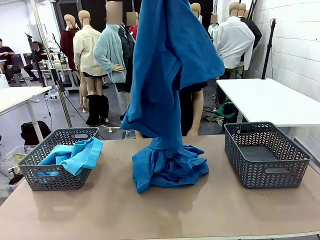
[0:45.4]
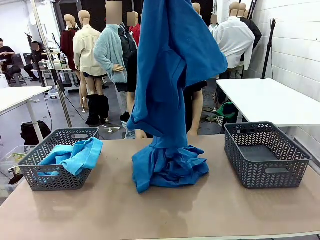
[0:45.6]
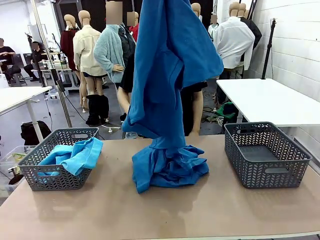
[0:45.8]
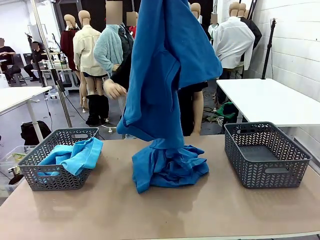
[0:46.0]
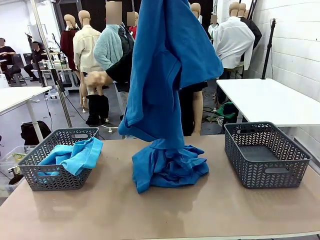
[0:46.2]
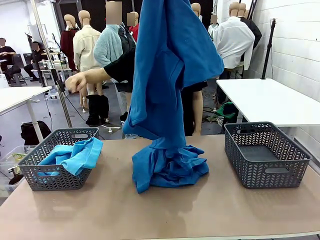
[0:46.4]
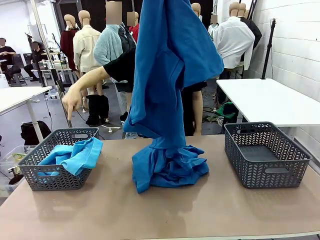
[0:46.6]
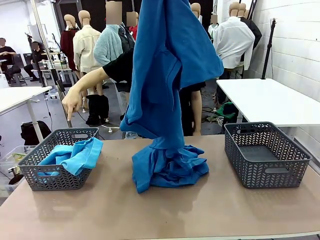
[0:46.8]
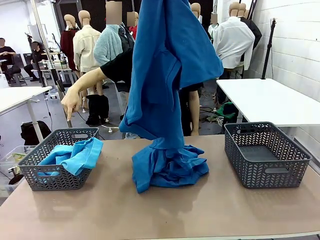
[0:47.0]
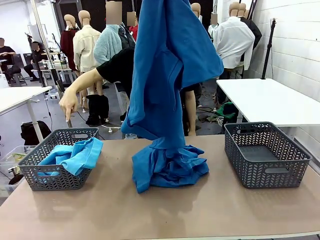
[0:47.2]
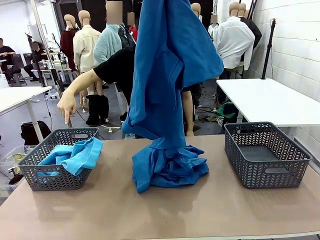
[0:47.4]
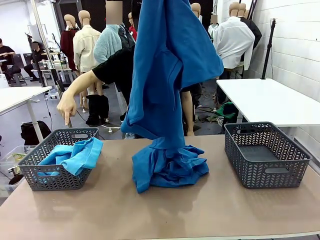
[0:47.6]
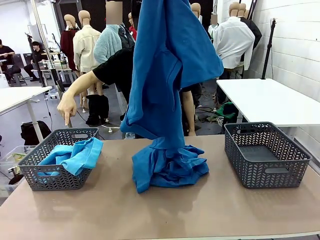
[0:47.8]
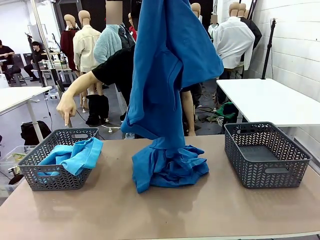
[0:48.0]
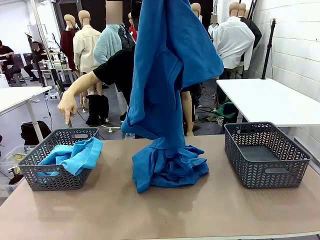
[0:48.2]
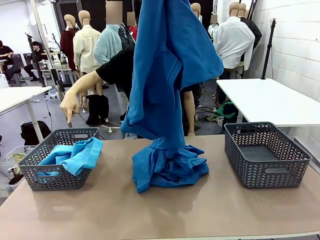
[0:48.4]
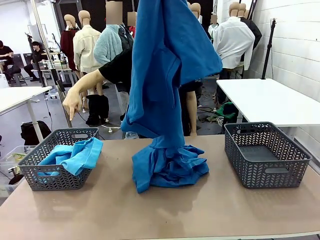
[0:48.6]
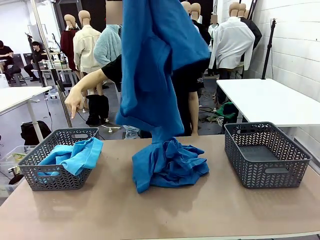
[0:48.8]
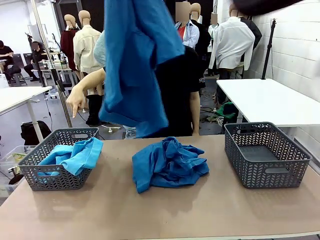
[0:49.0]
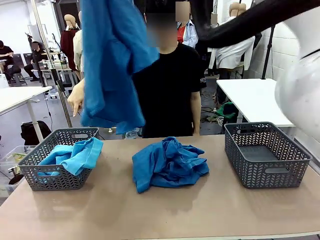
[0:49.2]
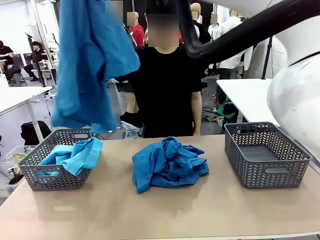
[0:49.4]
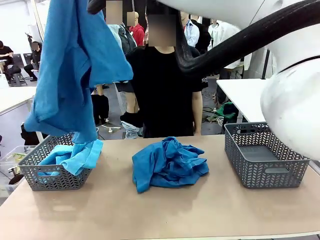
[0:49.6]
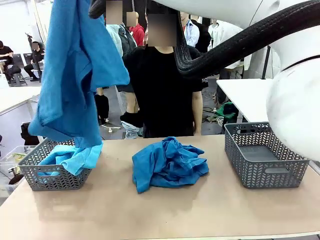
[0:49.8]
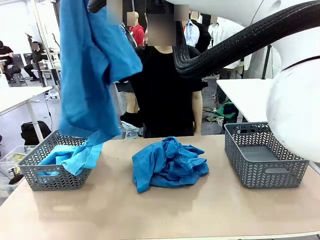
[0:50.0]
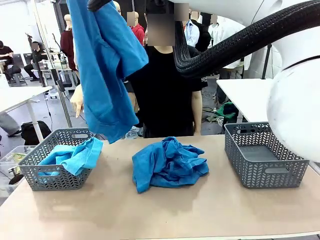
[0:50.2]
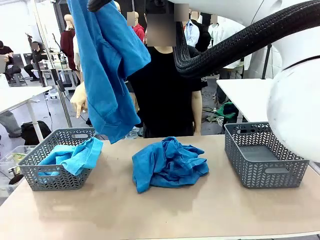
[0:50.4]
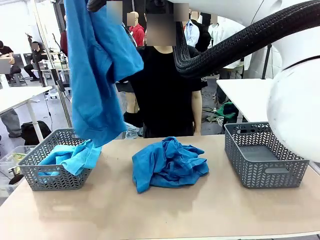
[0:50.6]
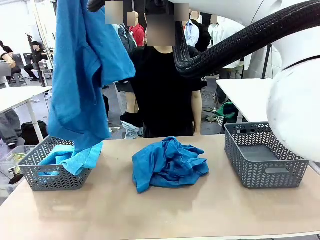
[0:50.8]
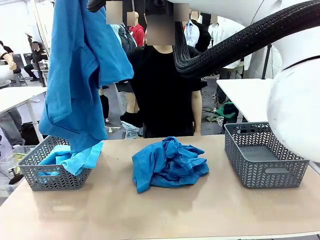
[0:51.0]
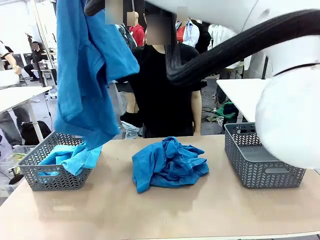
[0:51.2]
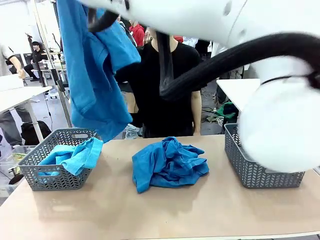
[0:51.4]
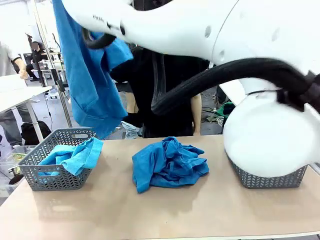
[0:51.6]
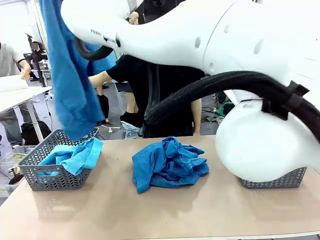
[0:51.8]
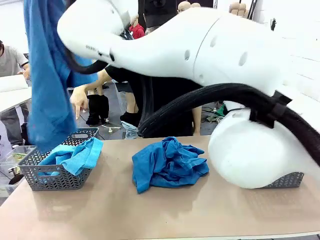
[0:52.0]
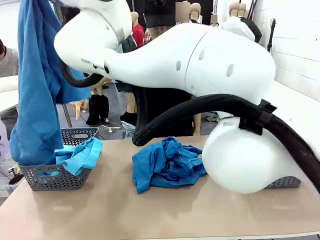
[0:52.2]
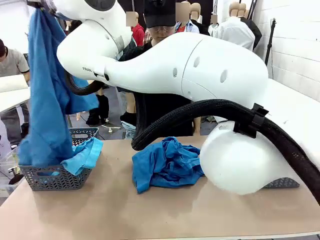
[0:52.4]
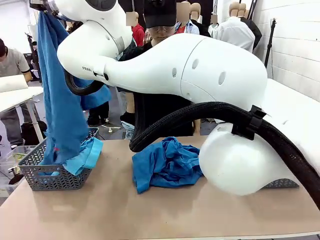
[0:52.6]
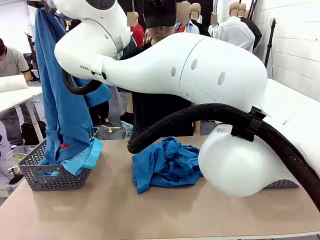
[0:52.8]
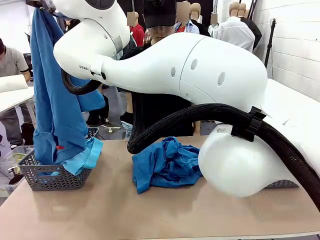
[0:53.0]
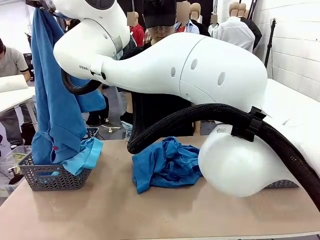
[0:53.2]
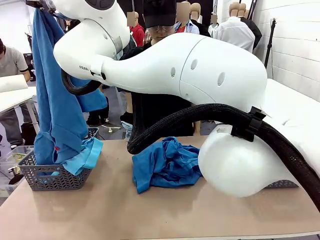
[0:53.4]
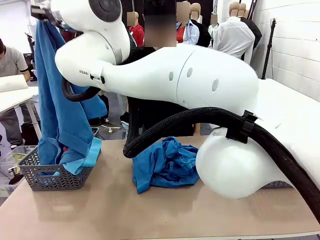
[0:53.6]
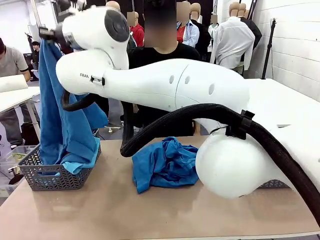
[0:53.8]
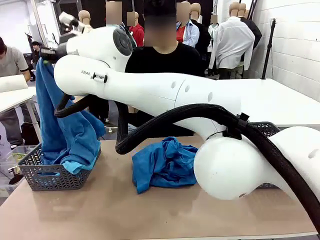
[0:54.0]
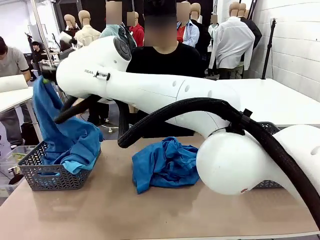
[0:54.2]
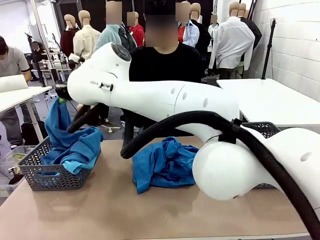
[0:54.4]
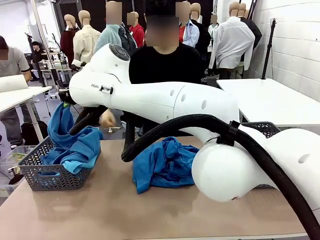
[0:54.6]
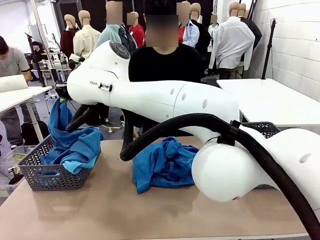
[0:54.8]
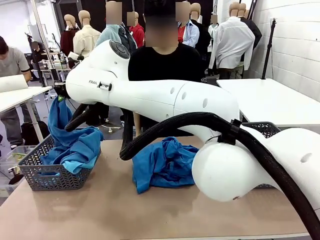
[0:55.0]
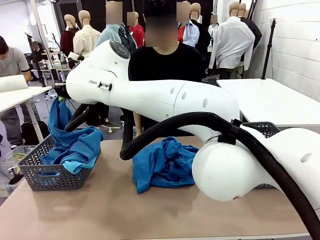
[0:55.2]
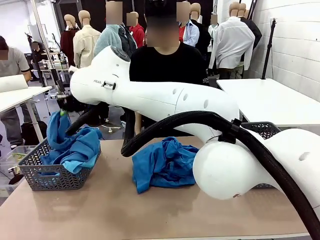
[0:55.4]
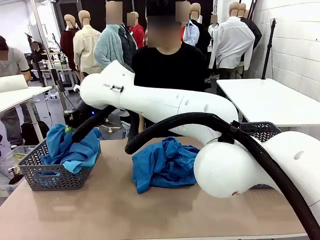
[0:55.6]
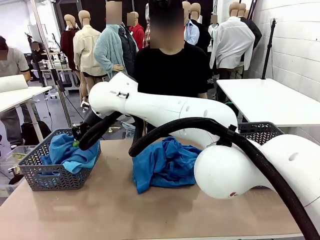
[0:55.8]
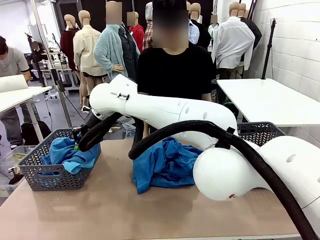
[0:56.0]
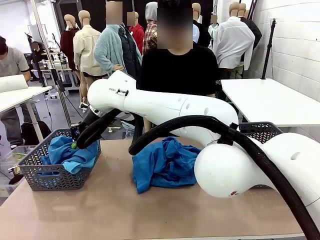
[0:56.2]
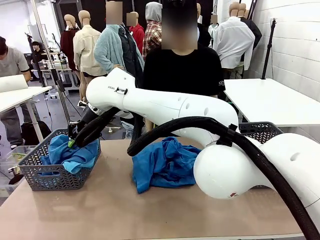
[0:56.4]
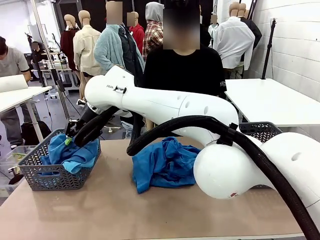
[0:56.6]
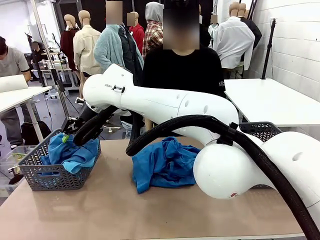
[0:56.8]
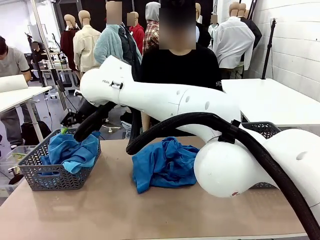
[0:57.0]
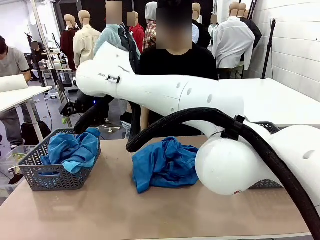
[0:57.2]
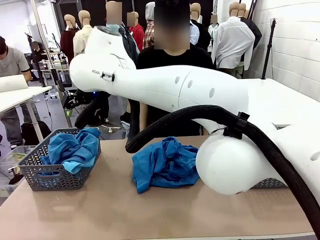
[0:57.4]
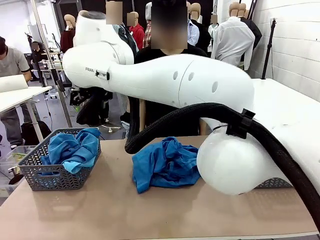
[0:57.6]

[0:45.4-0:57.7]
Task: Sort the tops and bottoms.
Robot: Sort the clothes according to human instructions.

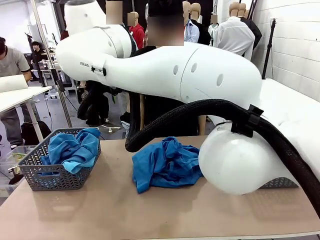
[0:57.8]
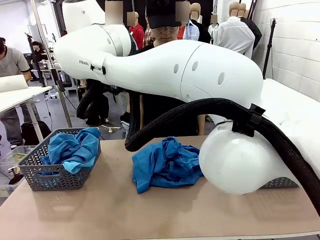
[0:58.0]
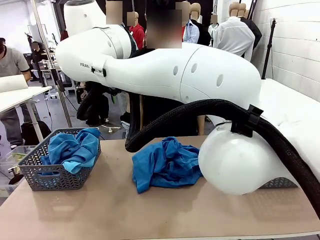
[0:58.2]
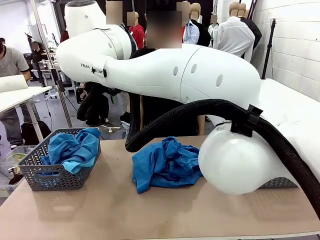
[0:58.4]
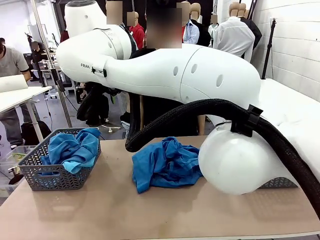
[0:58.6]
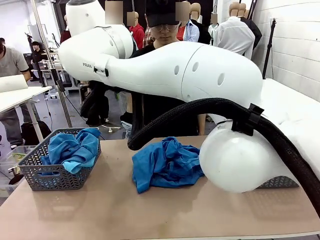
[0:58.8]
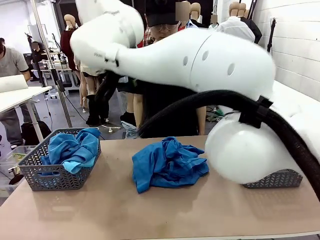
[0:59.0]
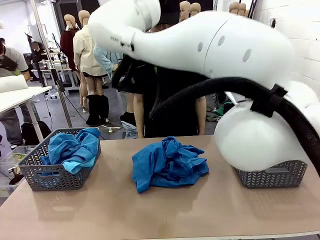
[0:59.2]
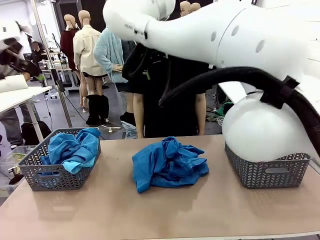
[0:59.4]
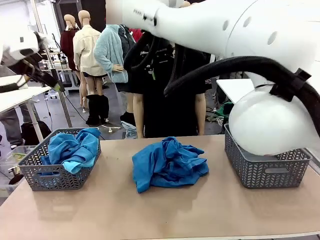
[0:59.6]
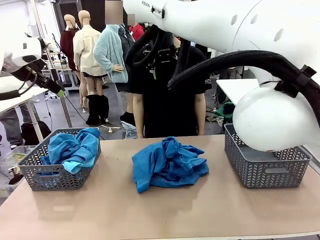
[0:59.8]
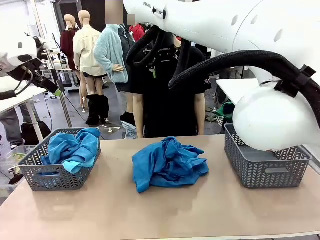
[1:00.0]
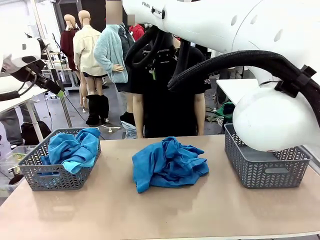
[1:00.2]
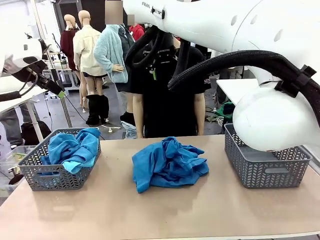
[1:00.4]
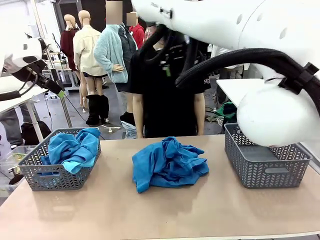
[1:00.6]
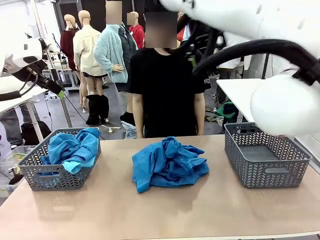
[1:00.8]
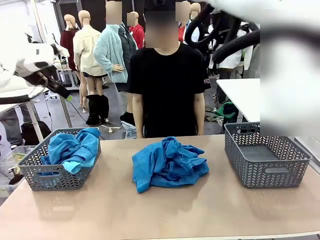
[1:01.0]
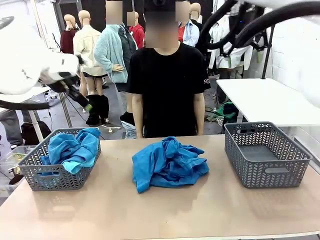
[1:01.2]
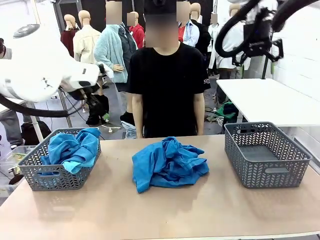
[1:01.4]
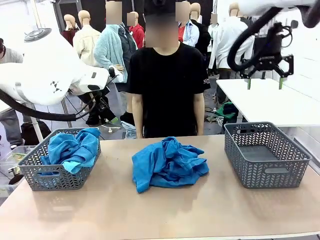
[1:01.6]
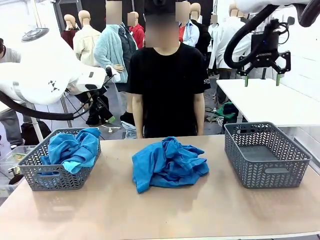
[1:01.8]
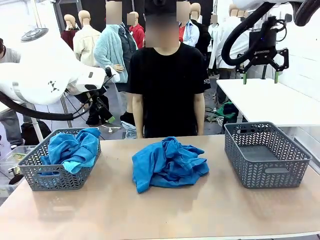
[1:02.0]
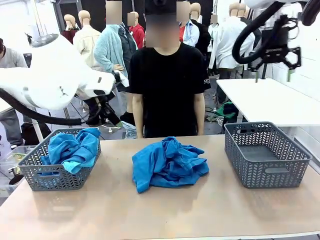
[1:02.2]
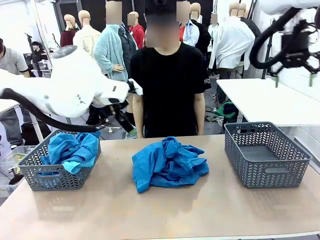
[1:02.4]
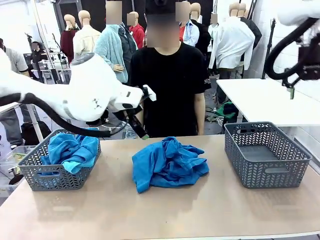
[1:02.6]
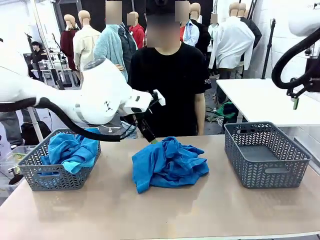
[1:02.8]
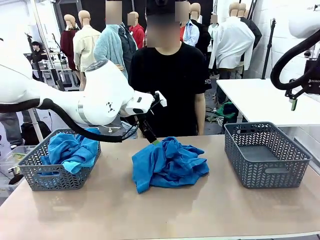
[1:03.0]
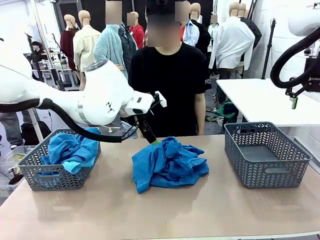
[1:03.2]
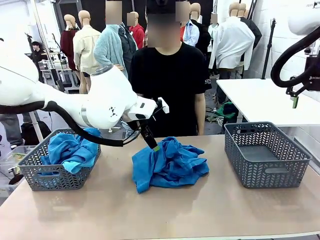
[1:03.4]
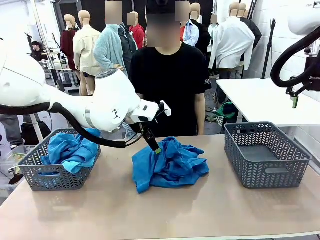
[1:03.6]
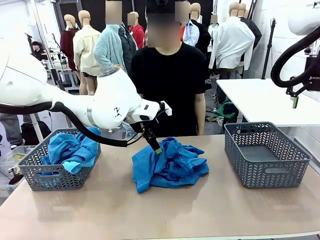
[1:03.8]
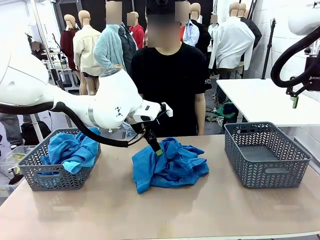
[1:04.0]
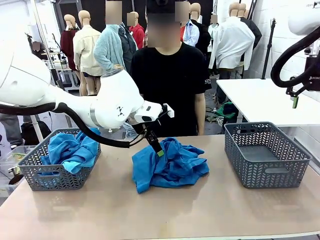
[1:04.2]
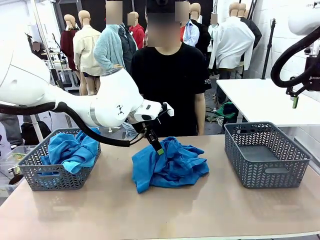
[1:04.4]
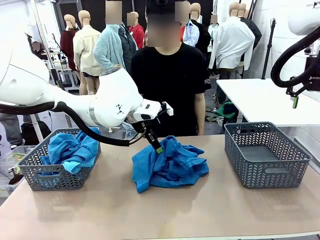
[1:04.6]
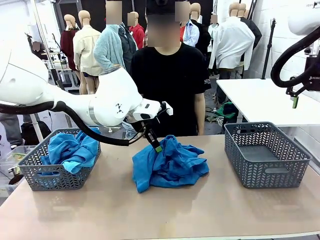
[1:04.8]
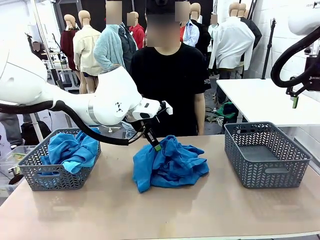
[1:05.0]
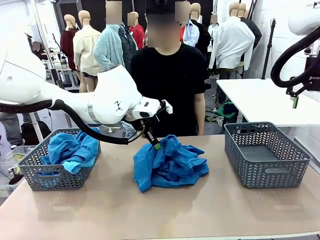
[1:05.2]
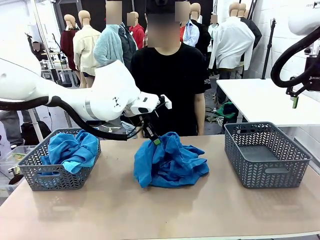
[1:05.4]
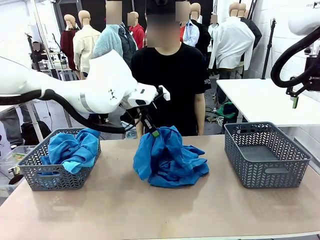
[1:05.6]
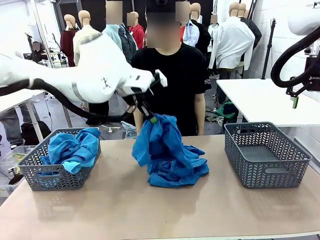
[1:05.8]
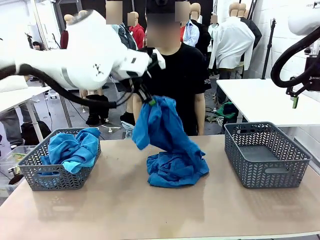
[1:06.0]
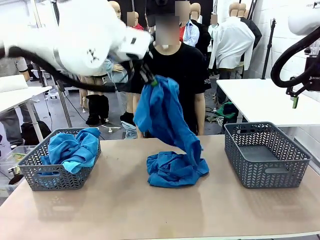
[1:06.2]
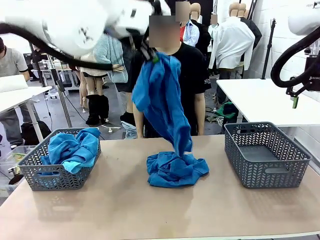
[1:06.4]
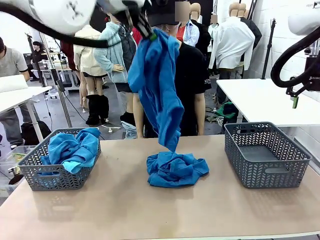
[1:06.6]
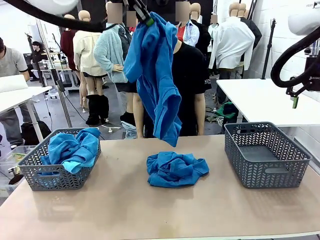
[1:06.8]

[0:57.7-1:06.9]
Robot: Lift clothes from the center of the table with your left hand.
